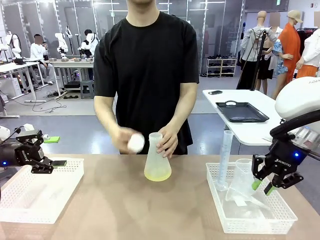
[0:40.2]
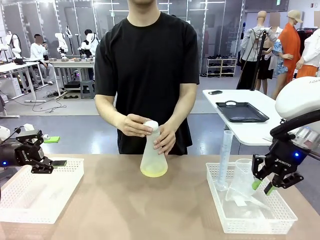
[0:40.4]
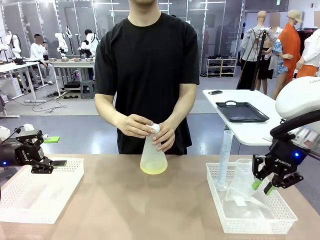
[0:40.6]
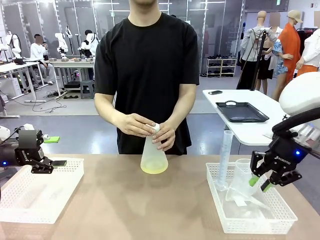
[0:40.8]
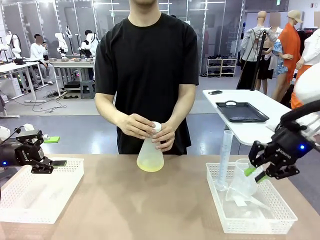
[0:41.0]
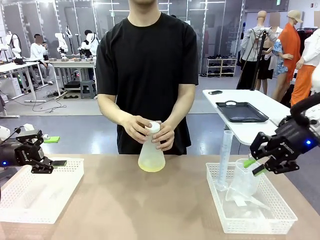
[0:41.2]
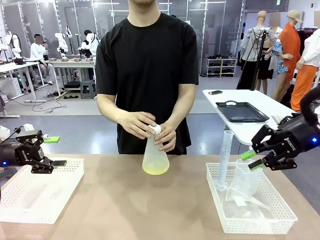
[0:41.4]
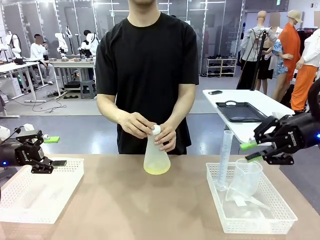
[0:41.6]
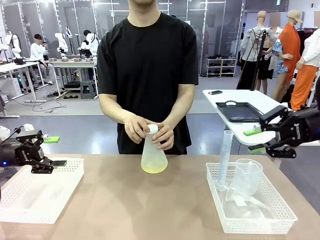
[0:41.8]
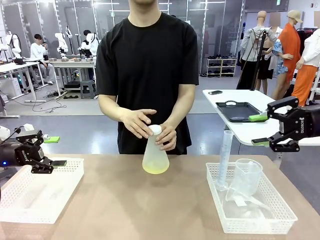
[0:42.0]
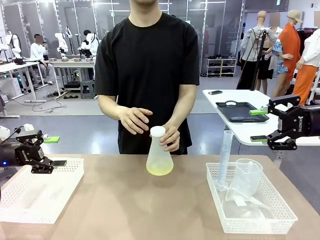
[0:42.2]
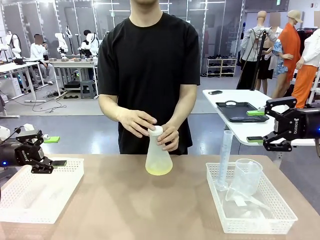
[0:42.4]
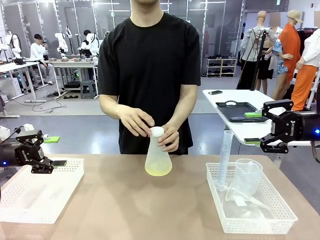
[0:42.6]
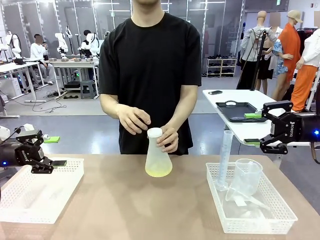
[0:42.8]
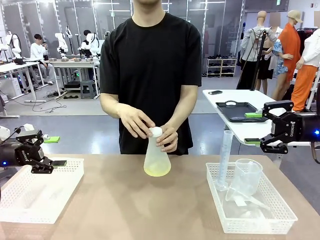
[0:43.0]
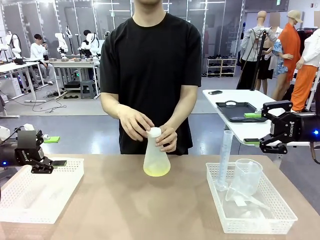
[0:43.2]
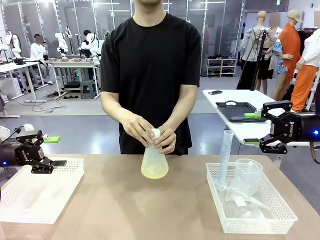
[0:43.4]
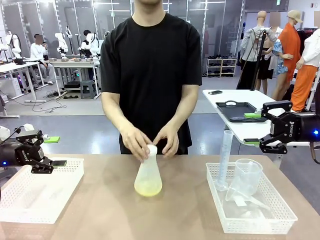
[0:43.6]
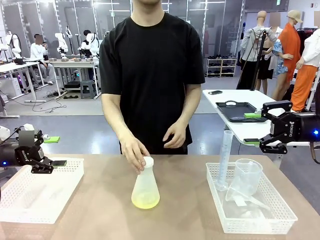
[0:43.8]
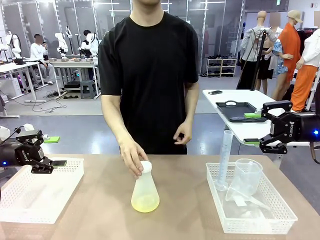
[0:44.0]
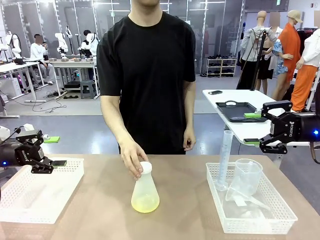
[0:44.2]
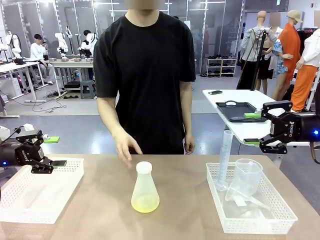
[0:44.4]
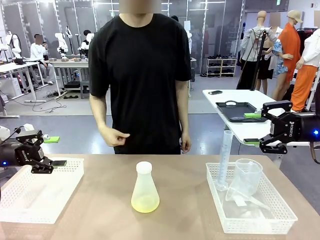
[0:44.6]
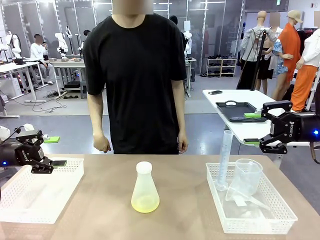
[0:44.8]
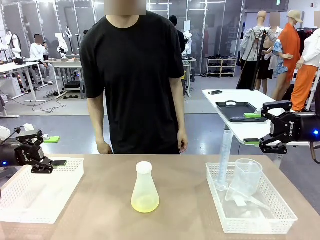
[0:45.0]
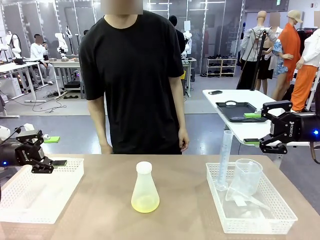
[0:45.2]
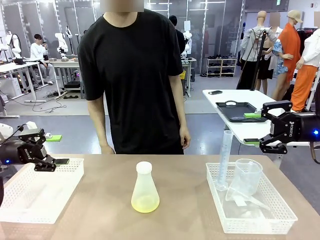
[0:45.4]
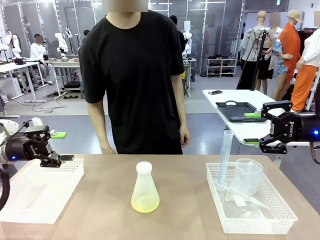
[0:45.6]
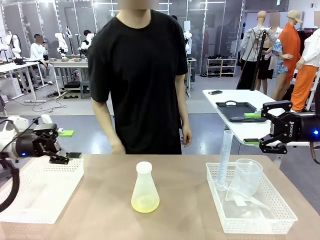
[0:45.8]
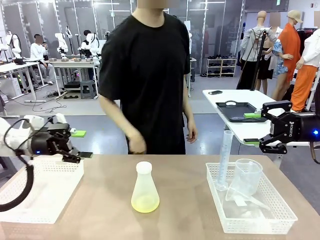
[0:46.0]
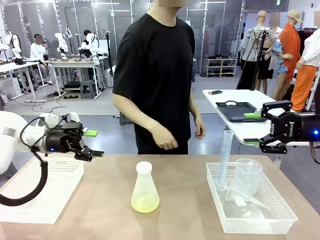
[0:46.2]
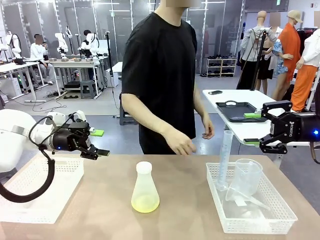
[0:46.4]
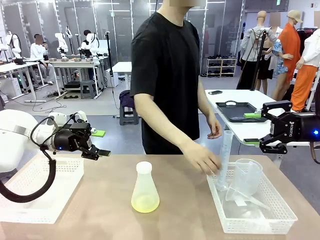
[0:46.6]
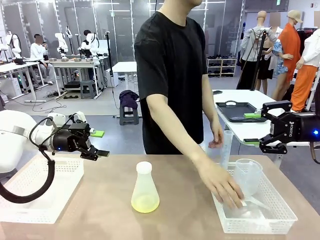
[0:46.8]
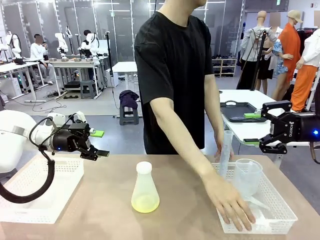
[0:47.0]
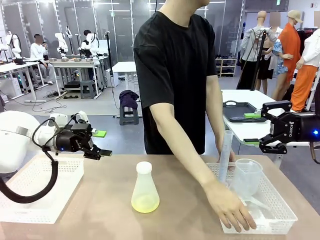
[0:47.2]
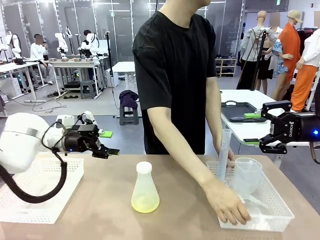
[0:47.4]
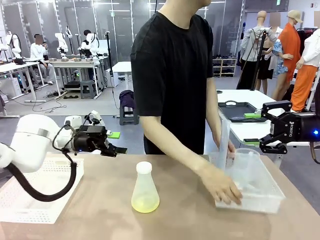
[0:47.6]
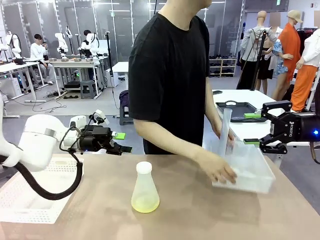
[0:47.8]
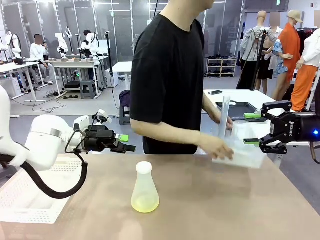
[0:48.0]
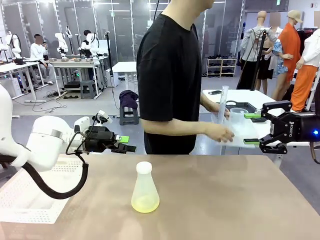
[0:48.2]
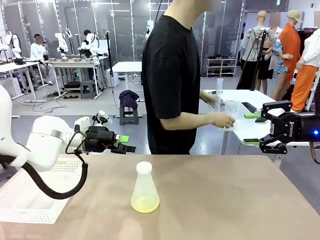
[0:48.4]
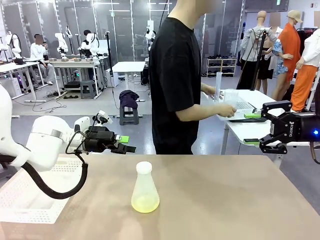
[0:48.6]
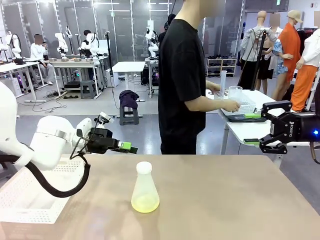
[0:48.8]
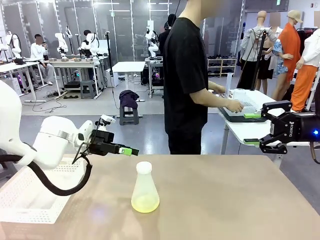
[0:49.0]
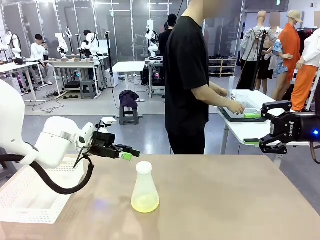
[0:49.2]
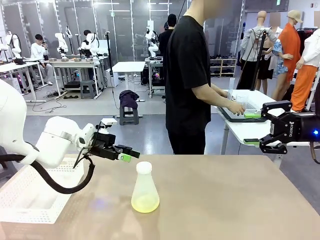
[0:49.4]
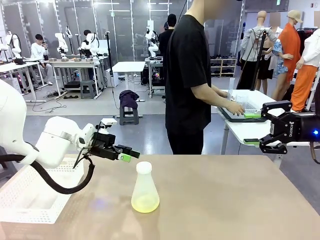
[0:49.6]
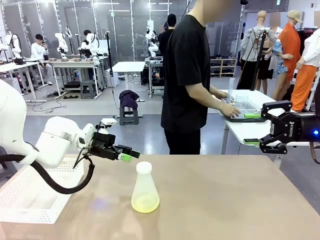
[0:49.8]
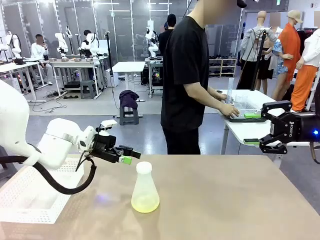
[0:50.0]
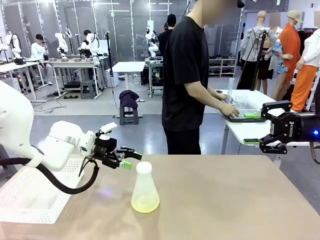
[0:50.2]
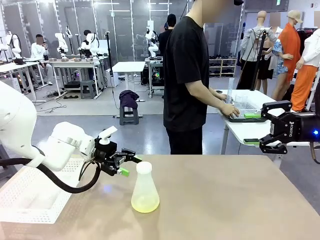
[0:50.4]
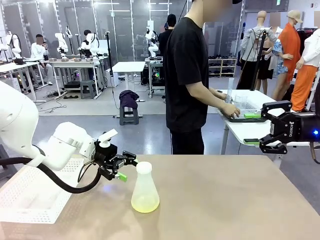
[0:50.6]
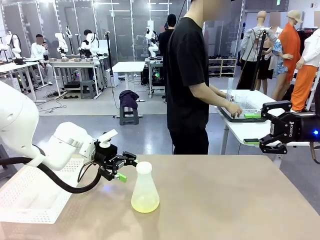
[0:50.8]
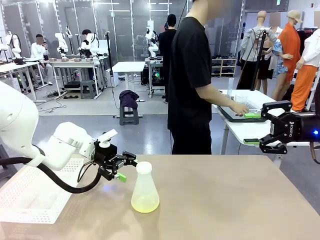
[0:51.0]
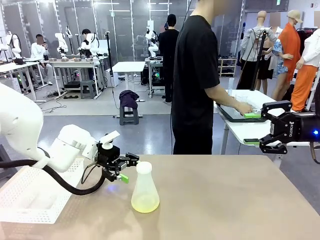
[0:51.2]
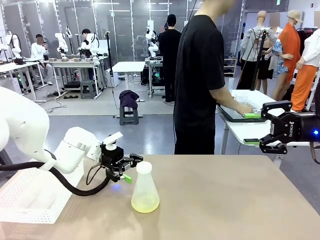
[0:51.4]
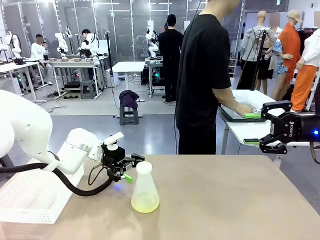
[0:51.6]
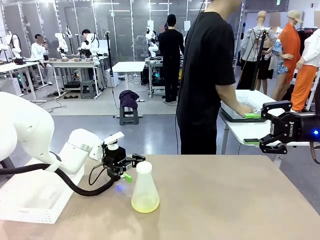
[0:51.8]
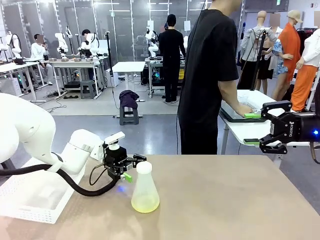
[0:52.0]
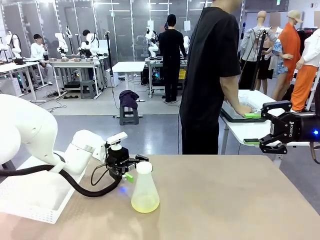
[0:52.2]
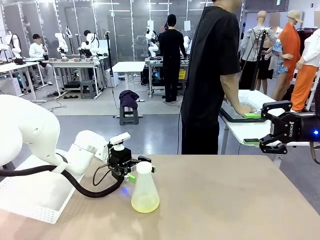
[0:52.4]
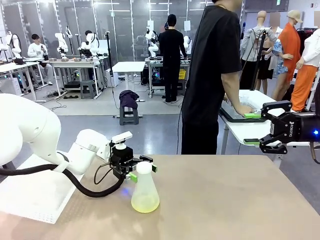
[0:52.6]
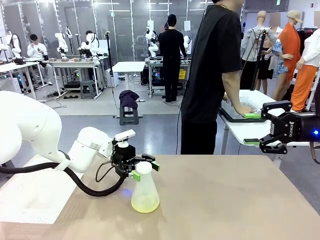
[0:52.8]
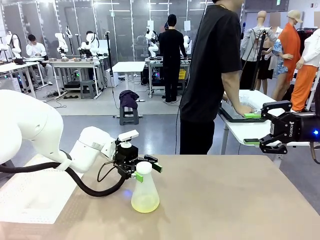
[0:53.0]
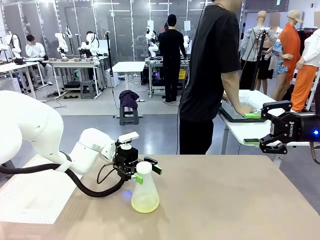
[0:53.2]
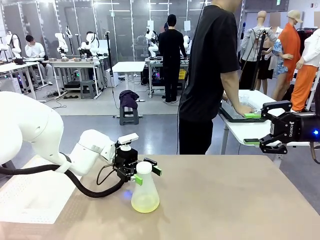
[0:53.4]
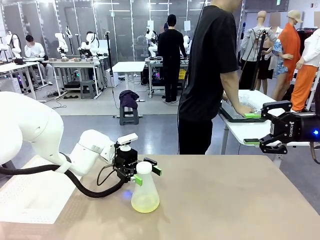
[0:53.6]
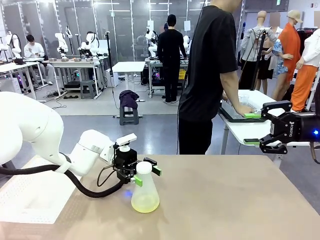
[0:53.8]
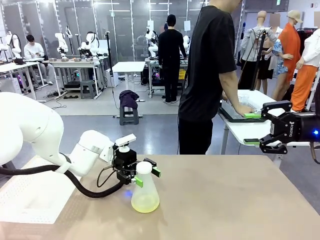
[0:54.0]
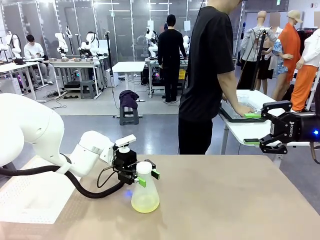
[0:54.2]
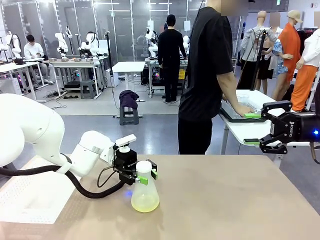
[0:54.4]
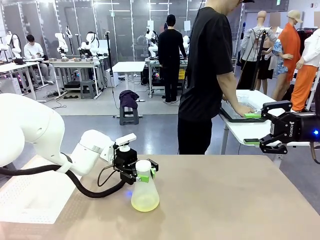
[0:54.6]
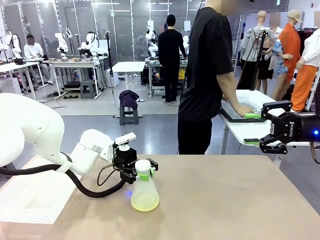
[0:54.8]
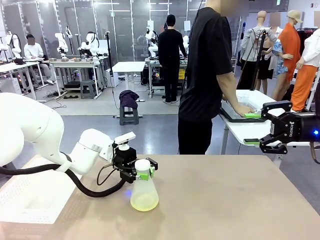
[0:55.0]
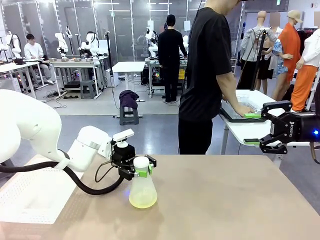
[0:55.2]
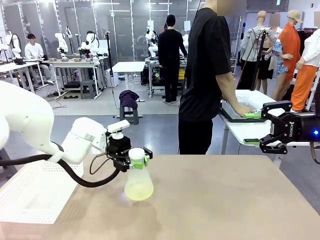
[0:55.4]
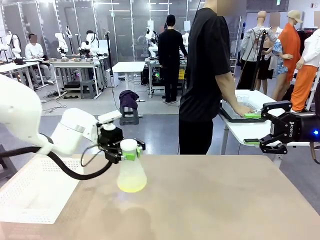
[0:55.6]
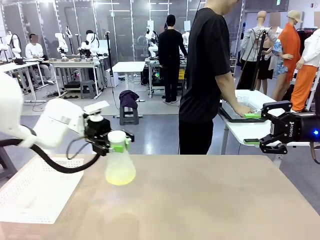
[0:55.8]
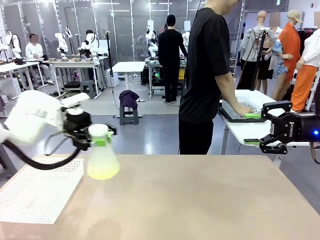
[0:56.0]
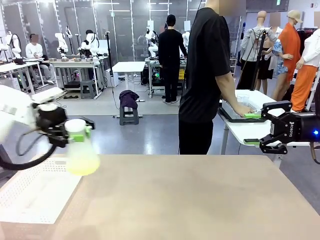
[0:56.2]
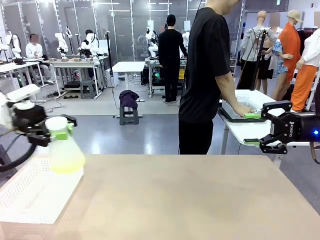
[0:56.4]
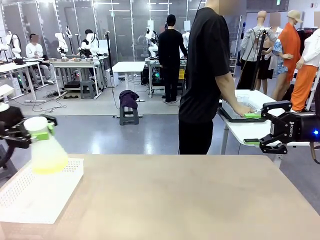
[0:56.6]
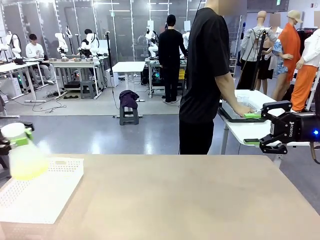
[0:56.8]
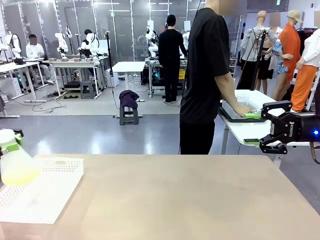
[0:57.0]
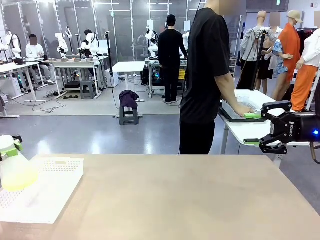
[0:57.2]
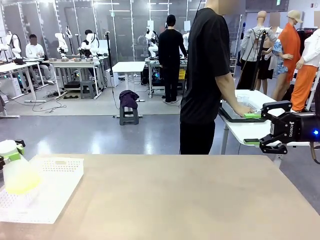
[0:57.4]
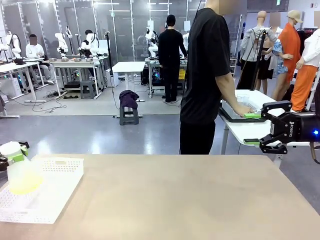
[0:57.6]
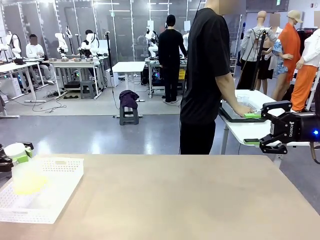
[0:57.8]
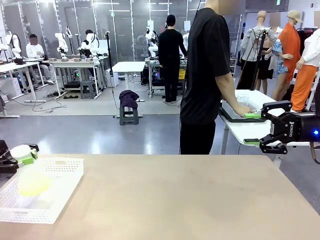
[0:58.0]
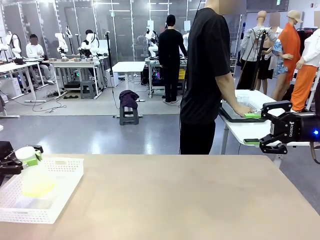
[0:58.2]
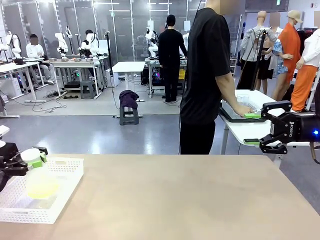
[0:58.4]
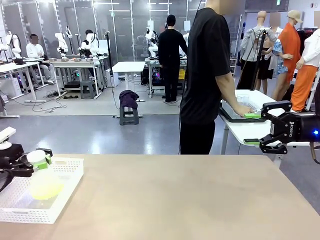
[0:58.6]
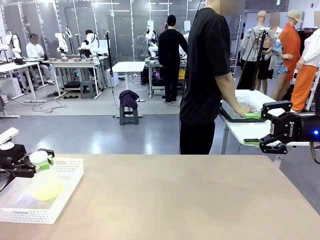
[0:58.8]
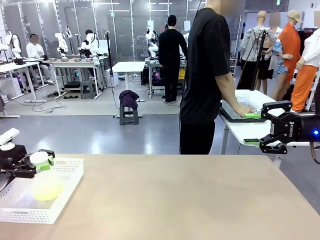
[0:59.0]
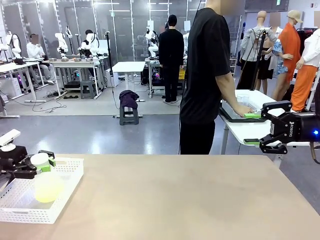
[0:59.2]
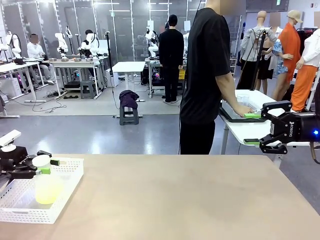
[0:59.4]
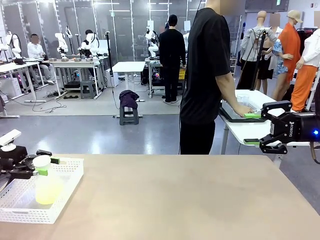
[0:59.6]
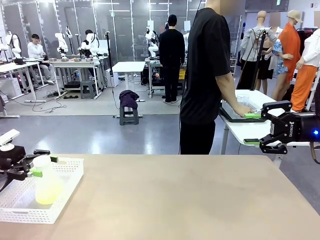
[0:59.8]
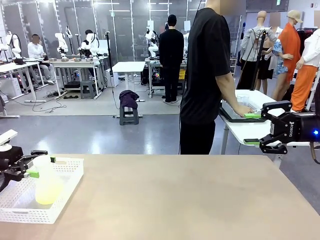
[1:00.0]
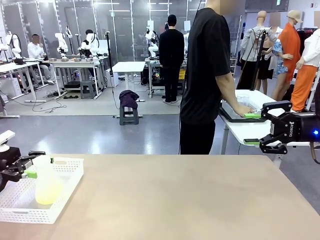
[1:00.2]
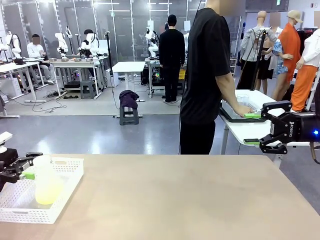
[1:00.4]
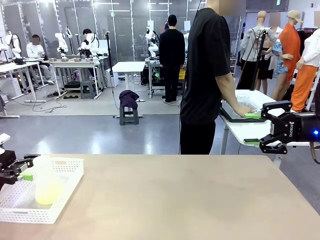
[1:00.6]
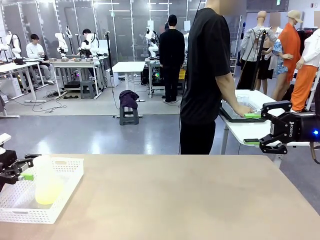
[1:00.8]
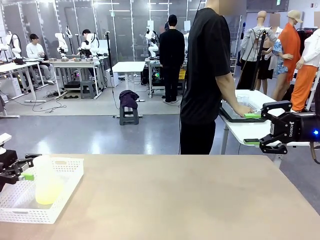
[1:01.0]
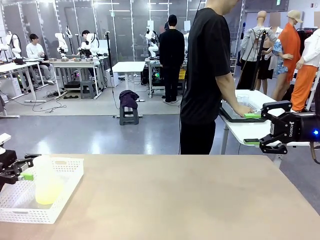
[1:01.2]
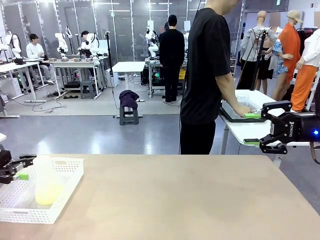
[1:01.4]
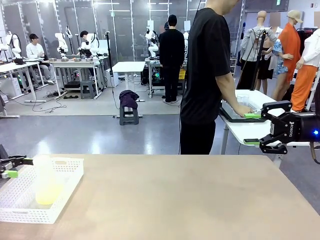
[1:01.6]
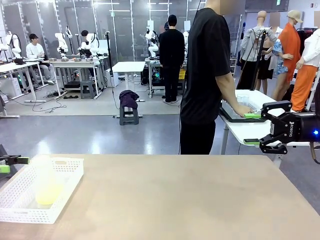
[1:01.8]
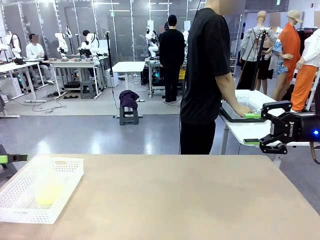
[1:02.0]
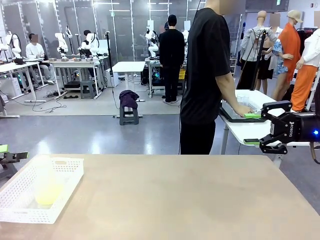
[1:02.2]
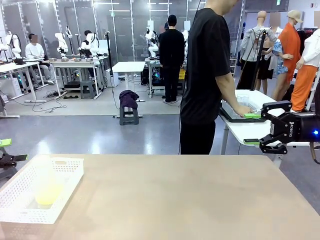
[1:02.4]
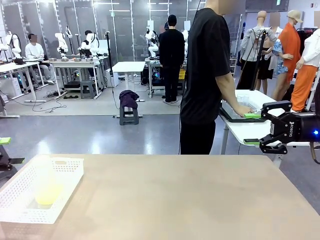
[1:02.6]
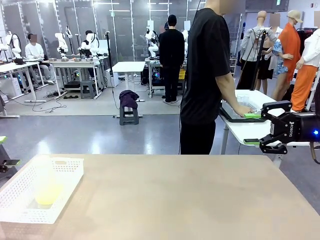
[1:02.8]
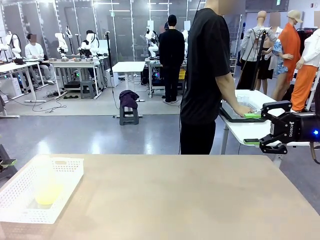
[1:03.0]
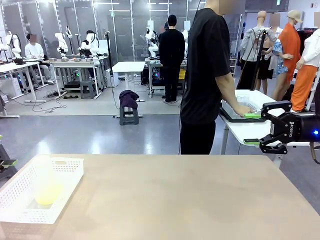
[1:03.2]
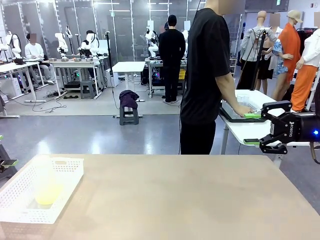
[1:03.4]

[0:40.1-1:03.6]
Task: Prepare the solutions needed for the experiment.
Robot: When the human places the Big flask in the center of the table, pick up the Big flask and place it in the left Organizing basket.
Person: Pick up the organizing basket on the left side of the robot table and place it on the left side of the human table.
